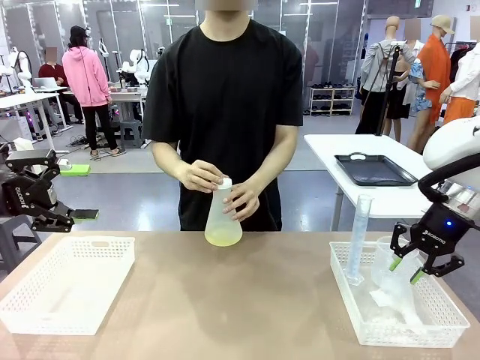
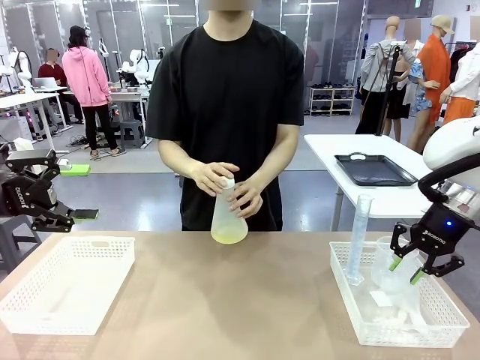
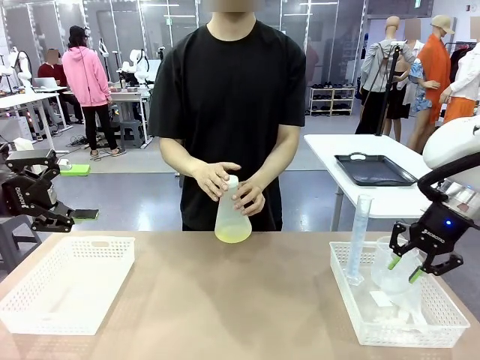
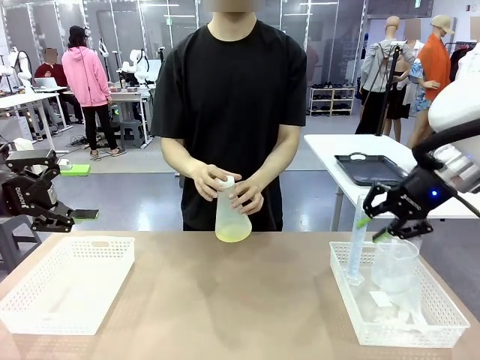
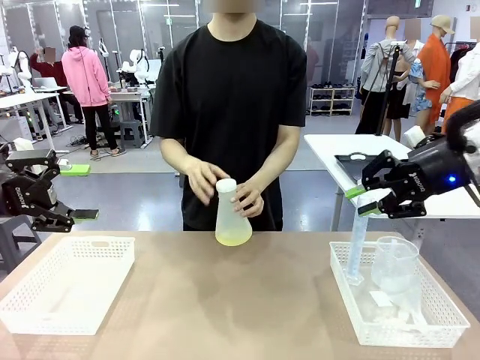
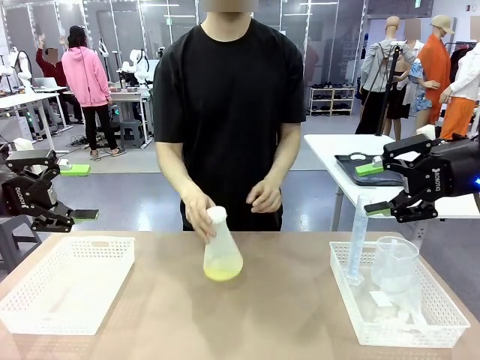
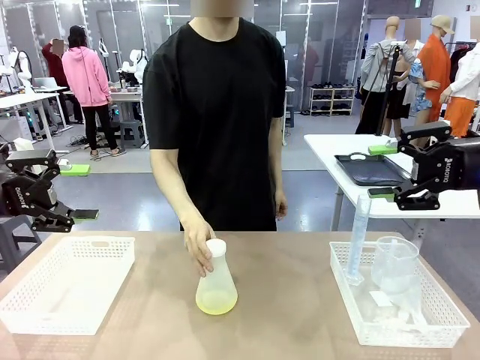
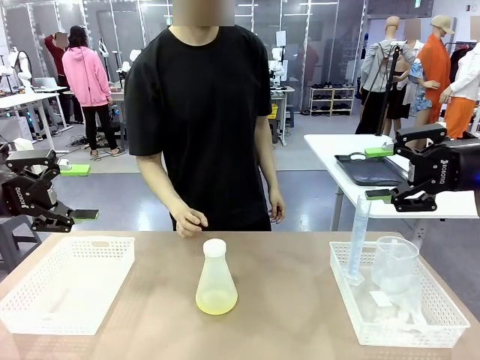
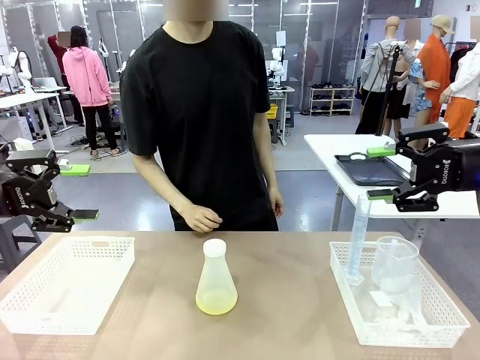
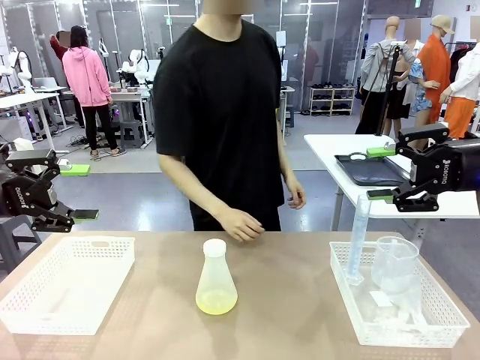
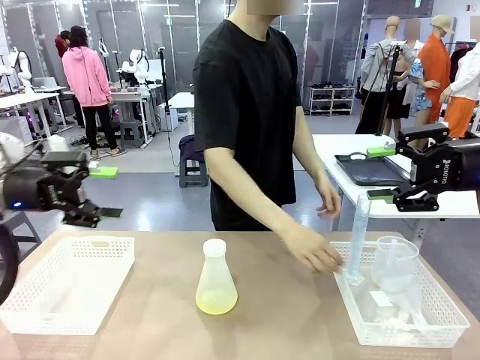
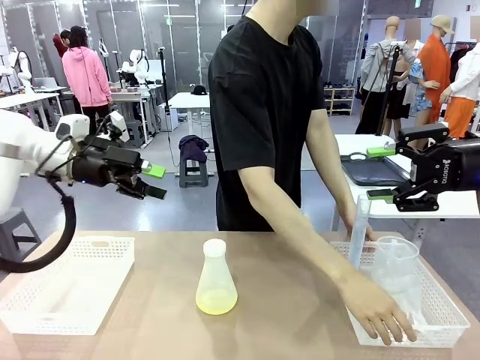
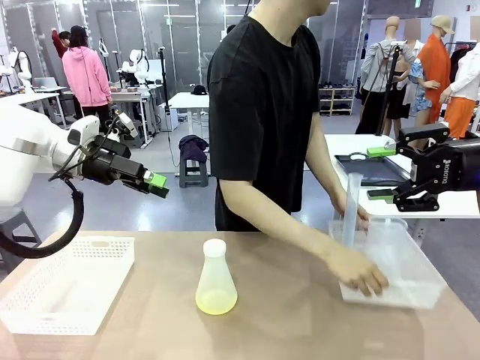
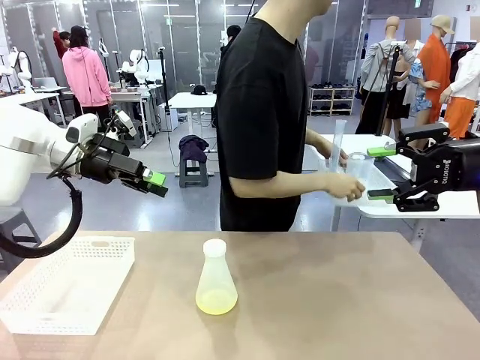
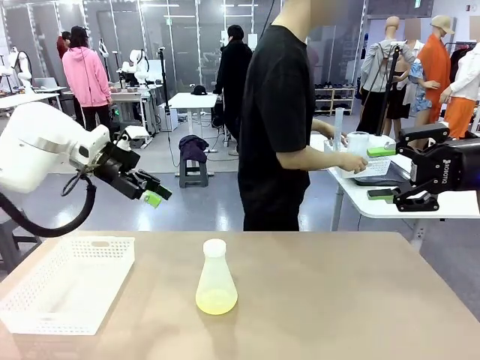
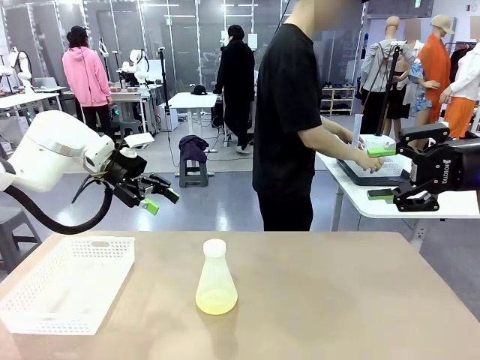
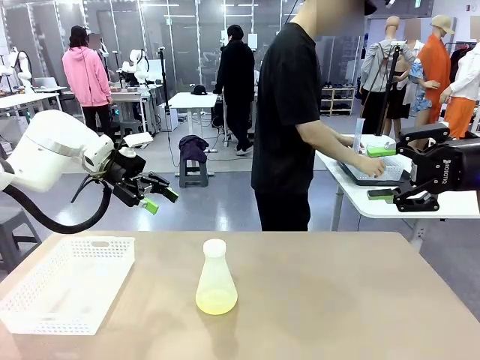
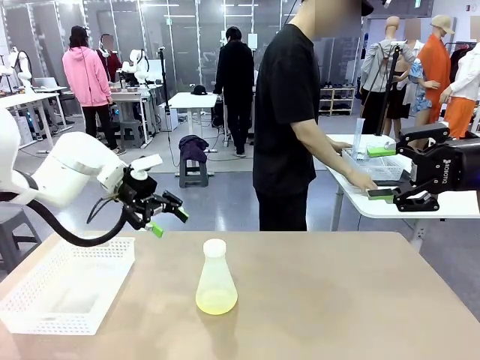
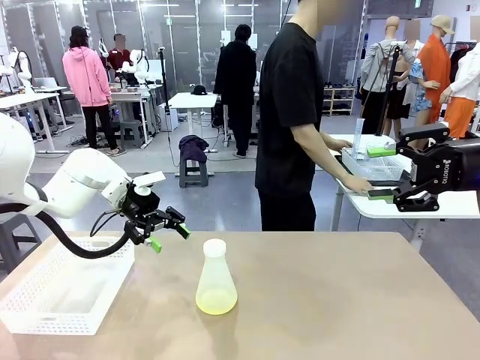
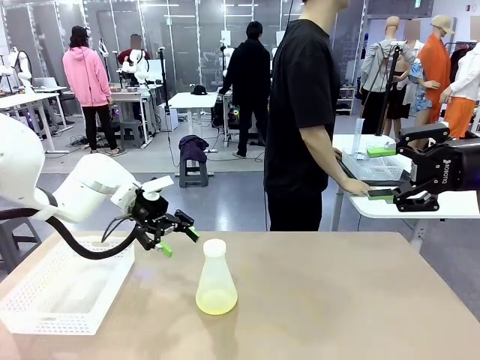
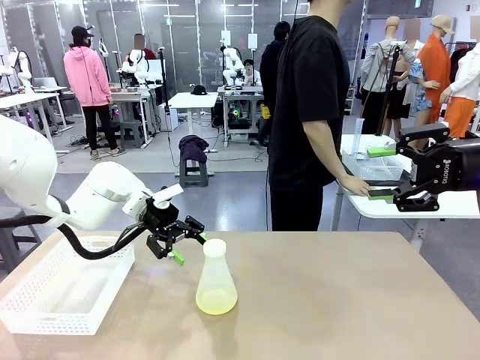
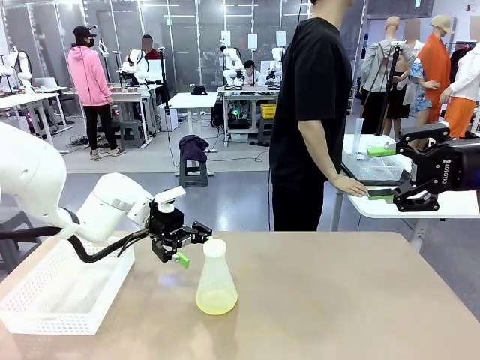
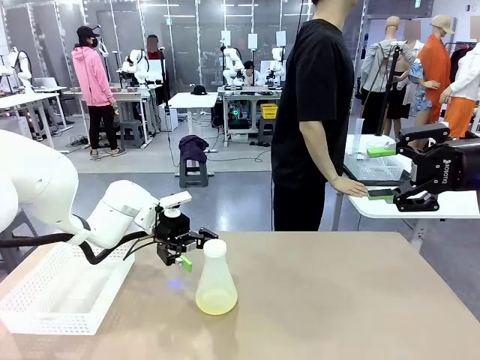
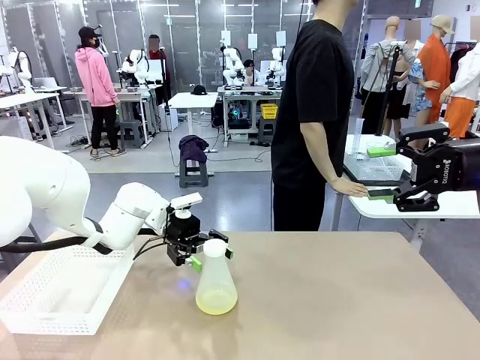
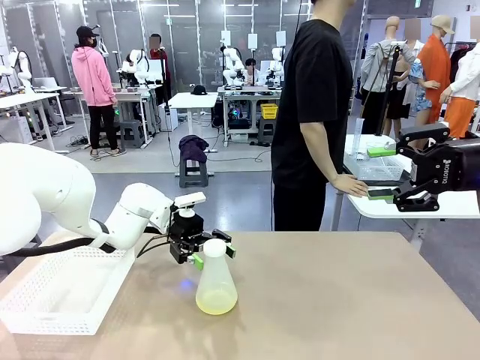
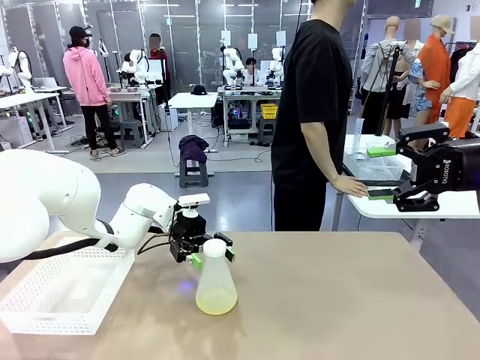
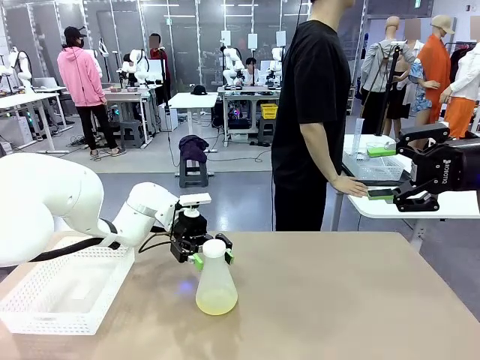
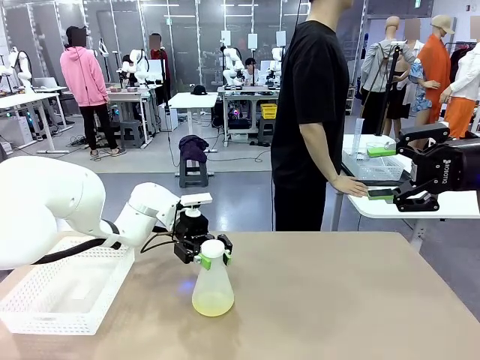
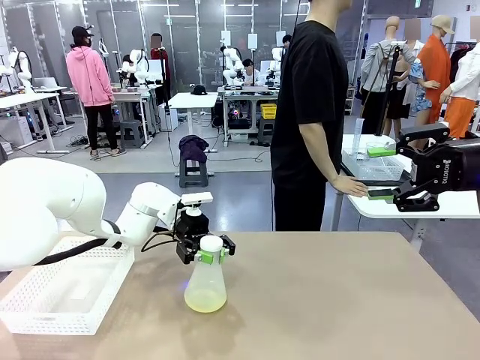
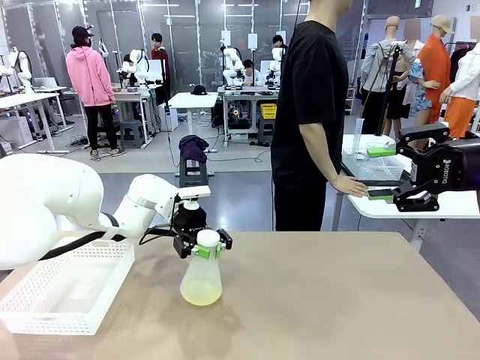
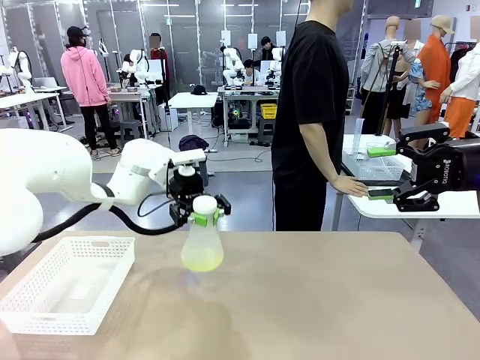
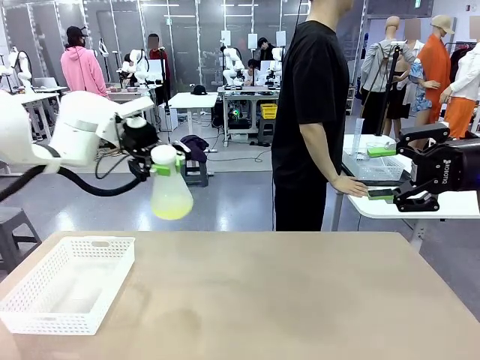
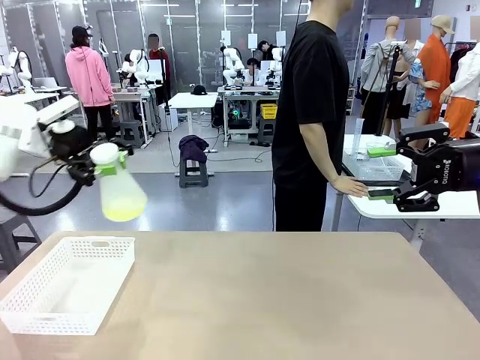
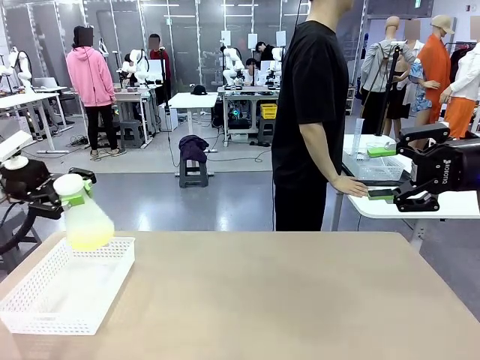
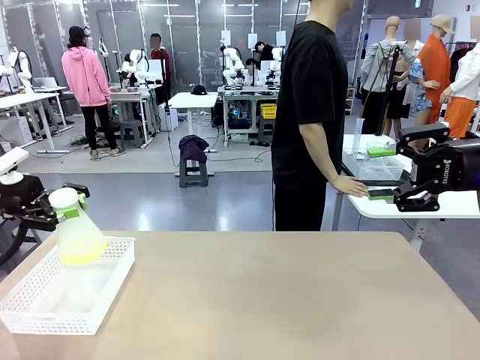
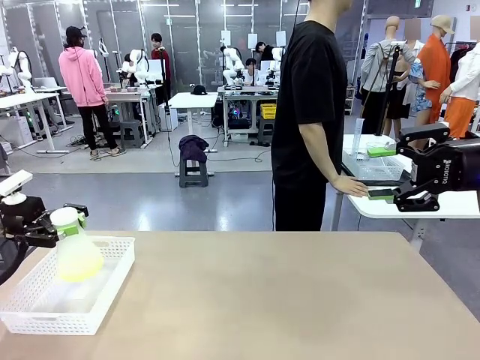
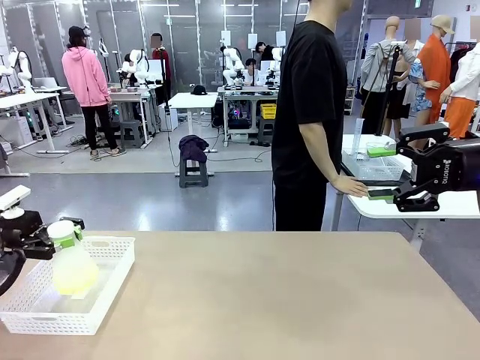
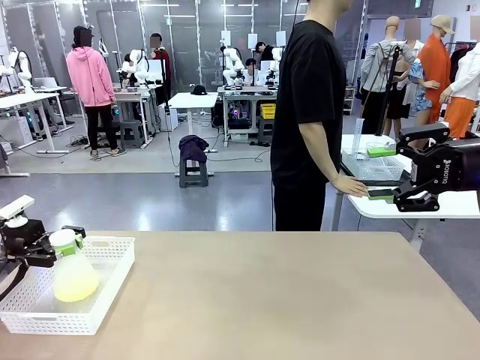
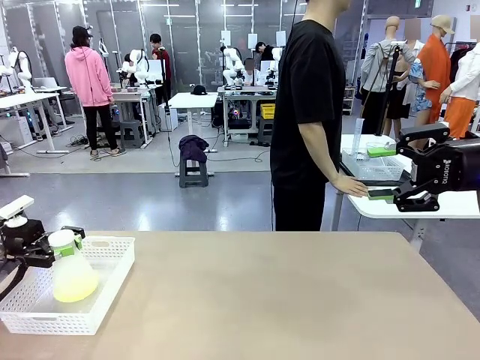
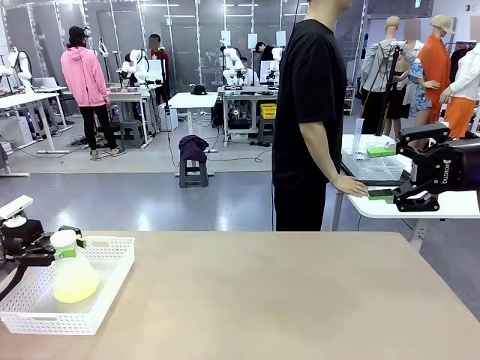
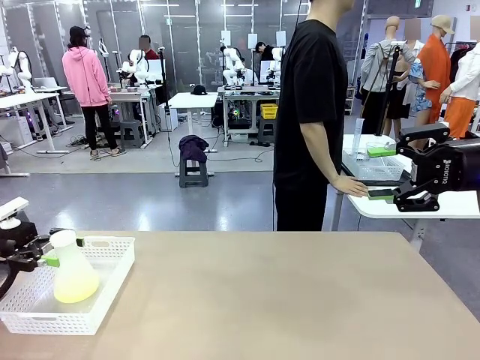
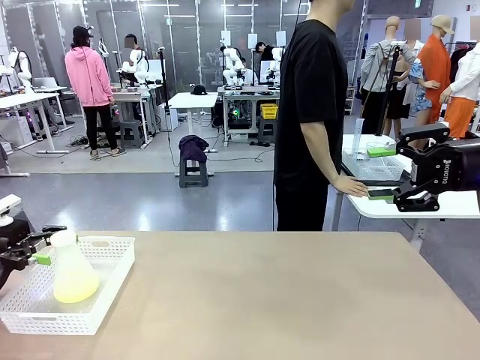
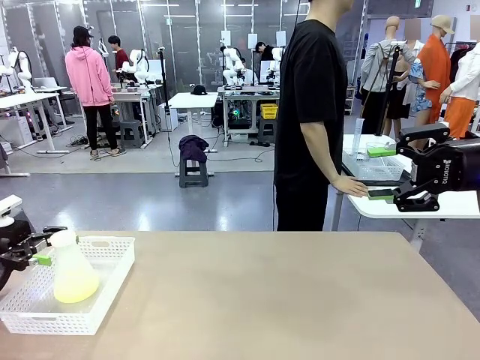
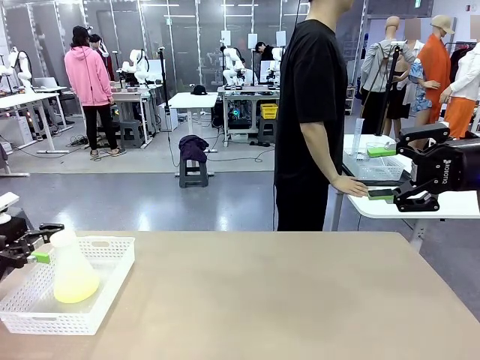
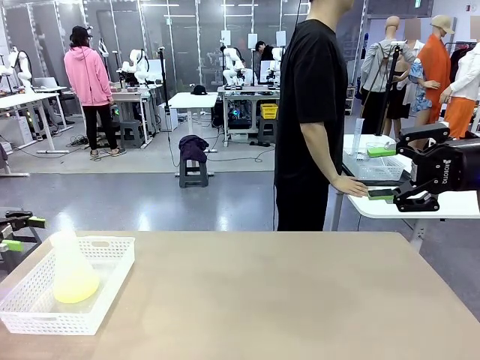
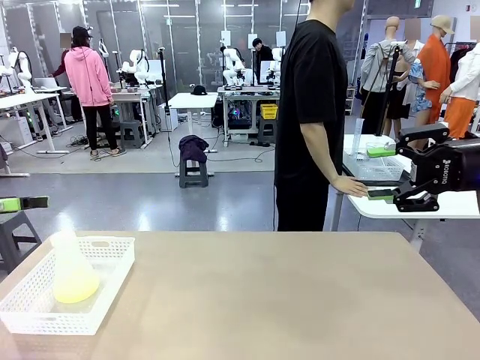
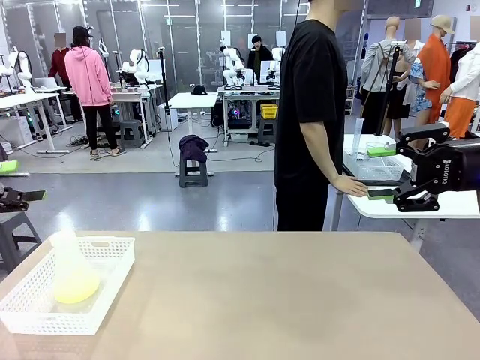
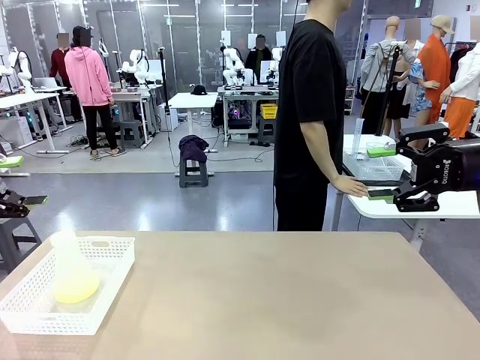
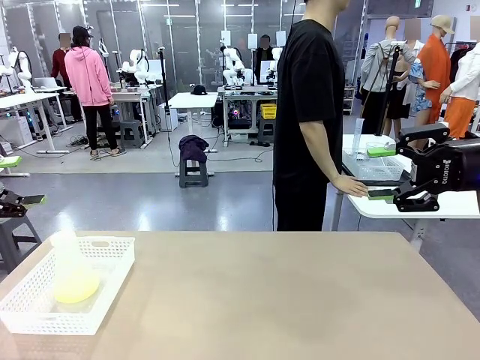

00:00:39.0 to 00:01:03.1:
Task: Prepare the solutions needed for the experiment.
Robot: When the human places the Big flask in the center of the table, pick up the Big flask and place it in the left Organizing basket.
Person: Pick up the organizing basket on the left side of the robot table and place it on the left side of the human table.
